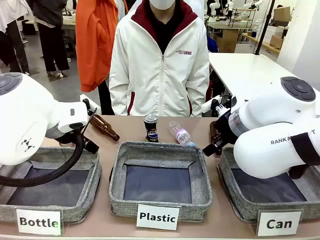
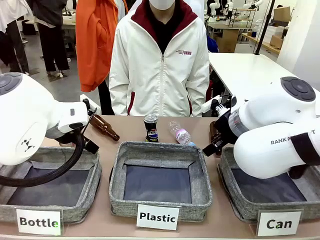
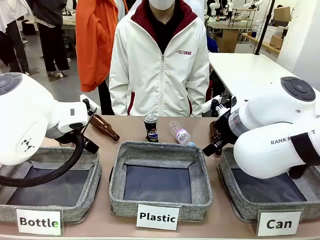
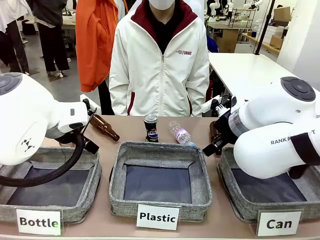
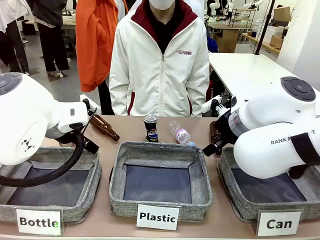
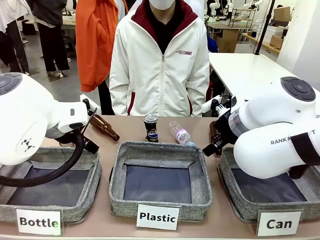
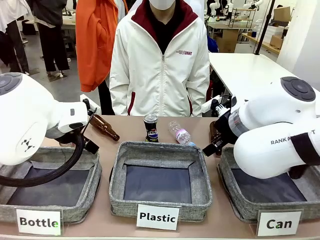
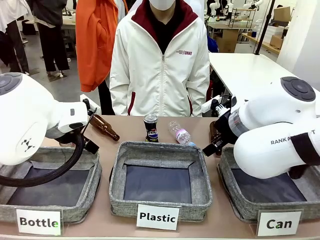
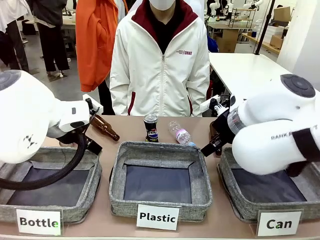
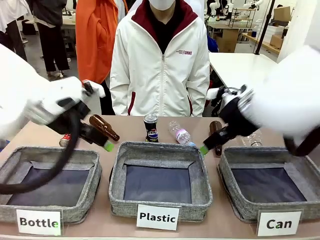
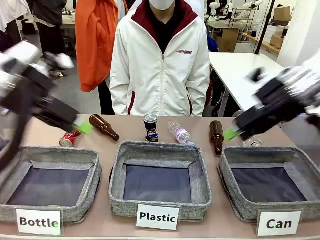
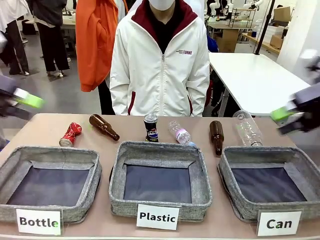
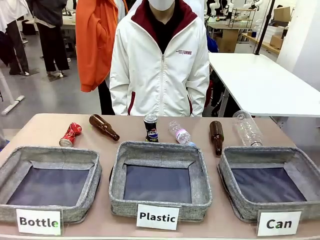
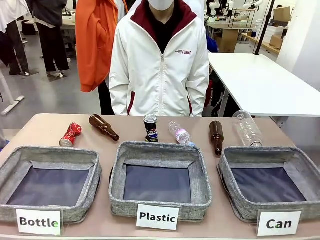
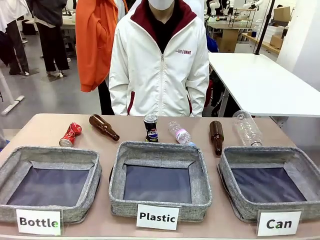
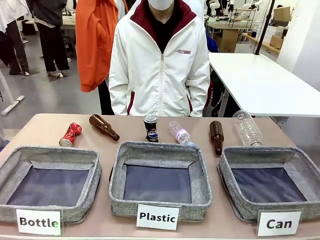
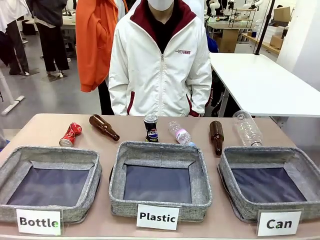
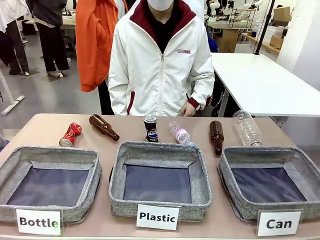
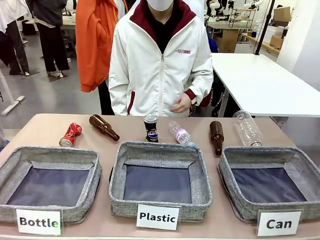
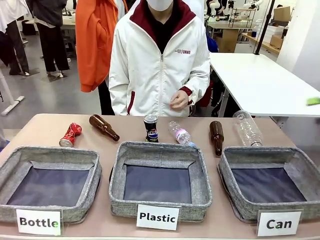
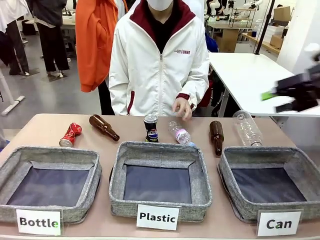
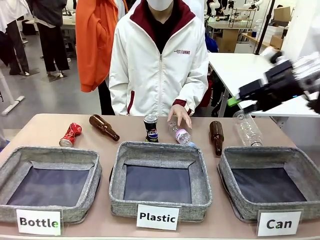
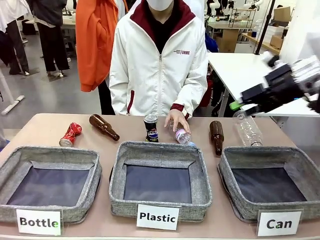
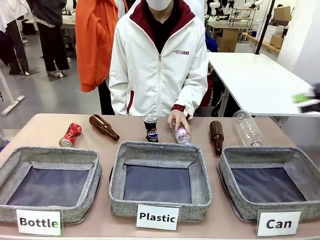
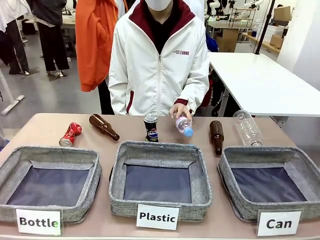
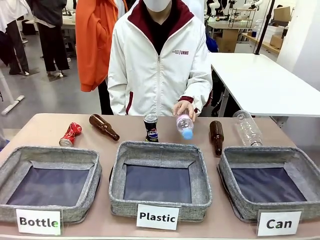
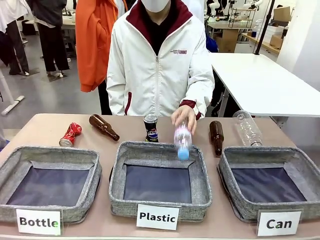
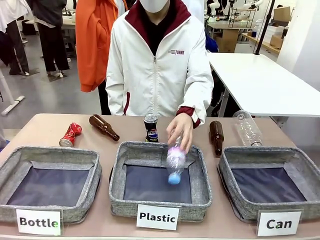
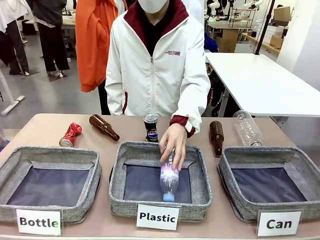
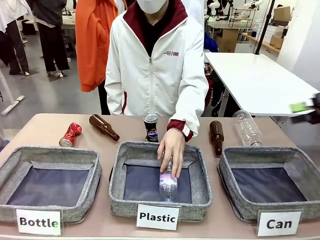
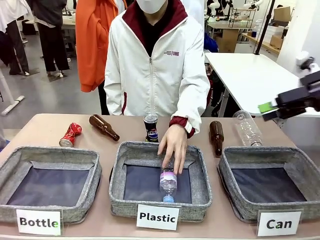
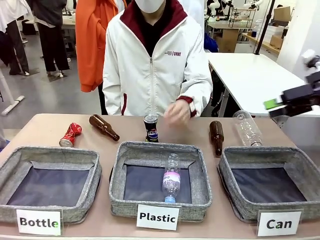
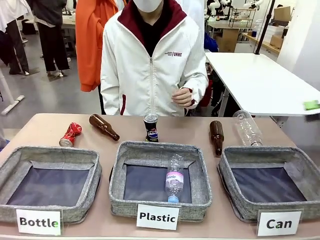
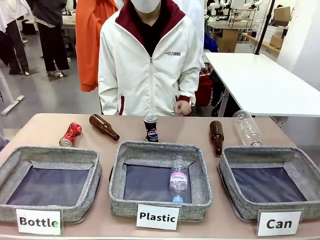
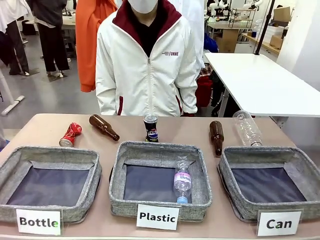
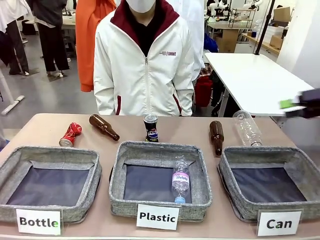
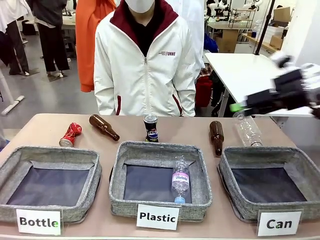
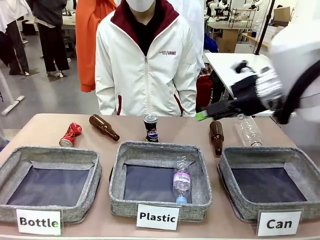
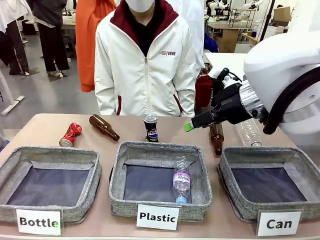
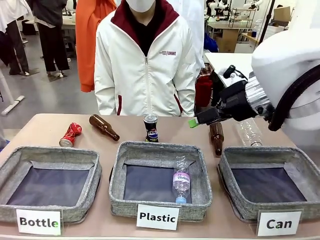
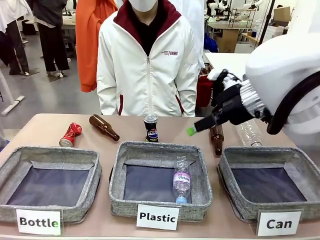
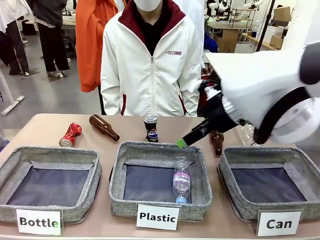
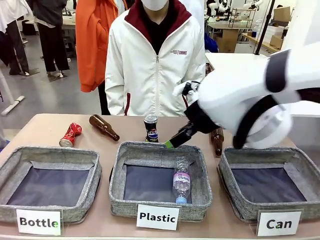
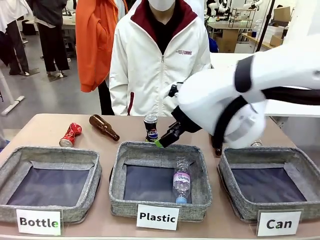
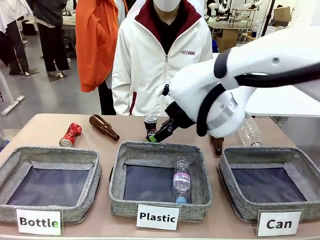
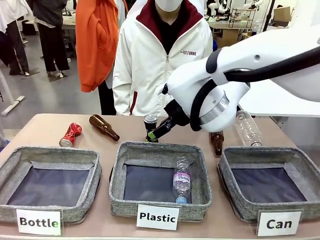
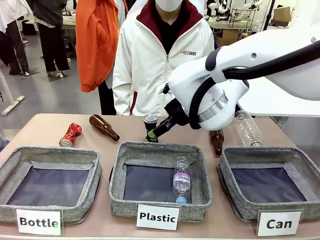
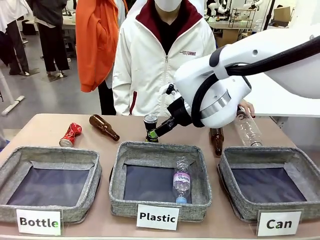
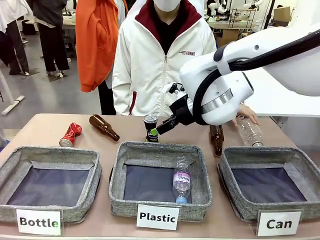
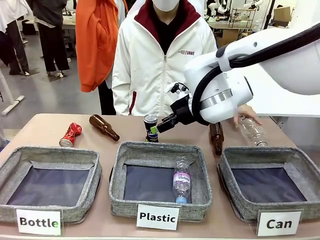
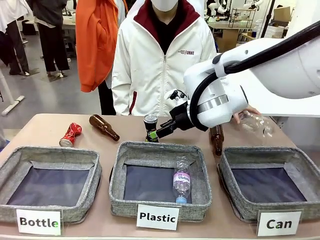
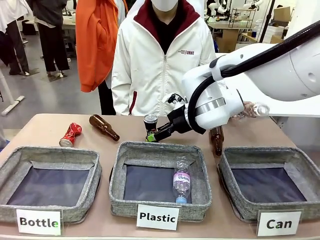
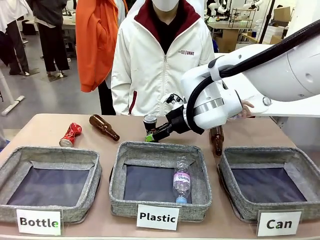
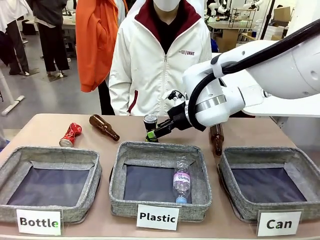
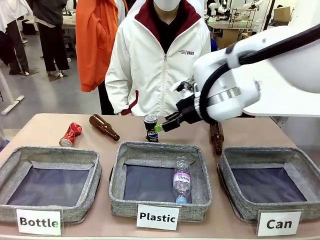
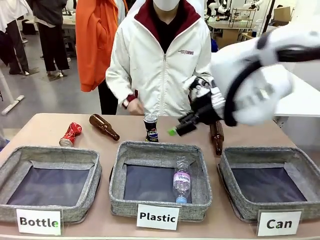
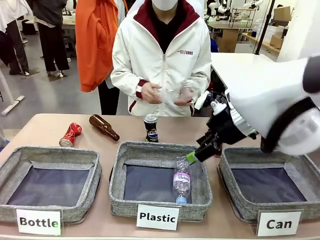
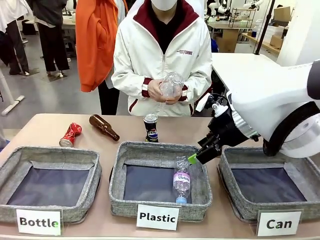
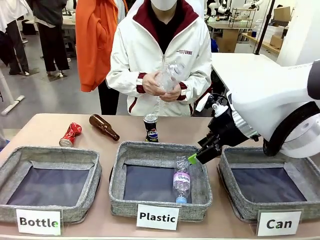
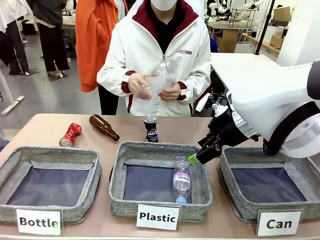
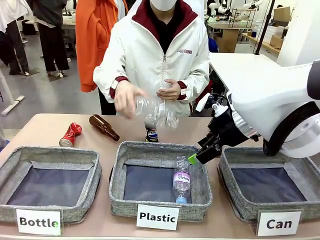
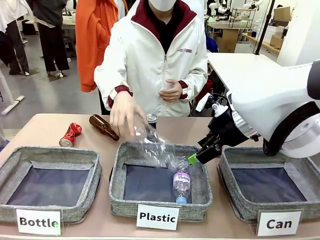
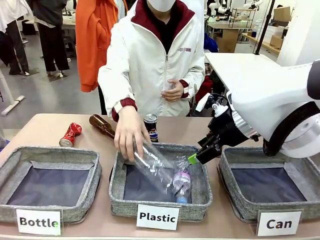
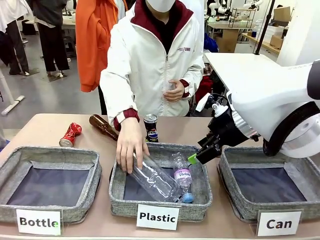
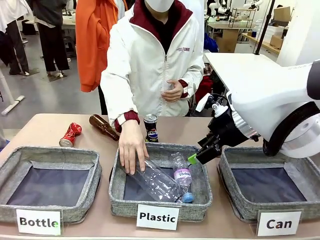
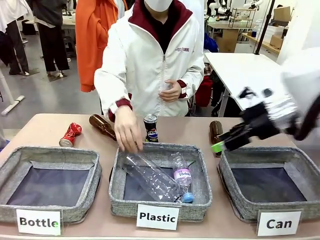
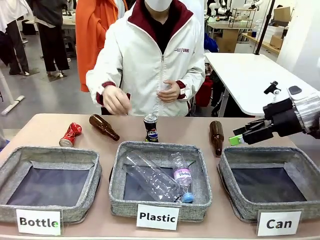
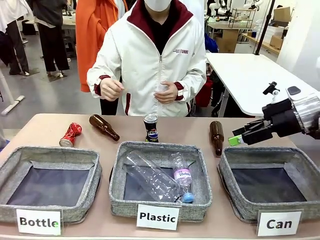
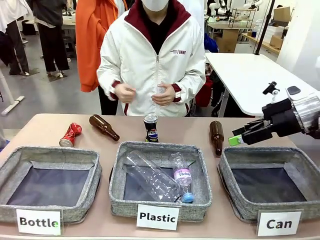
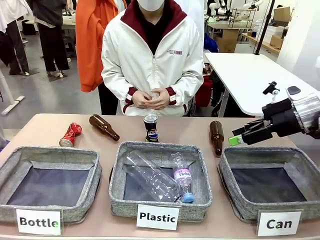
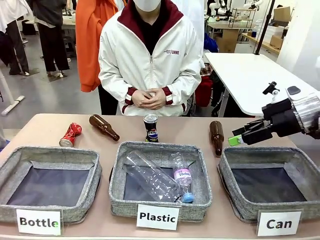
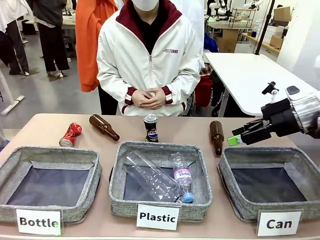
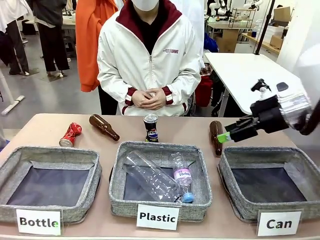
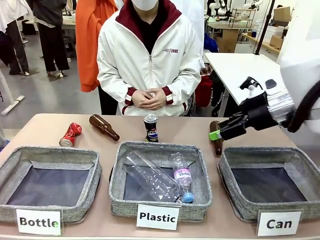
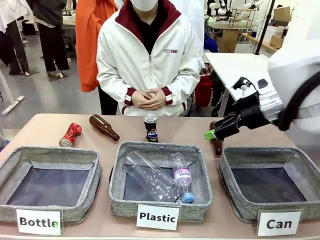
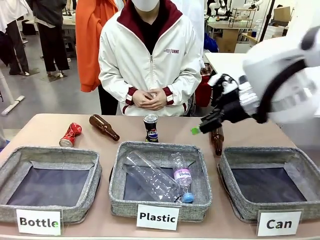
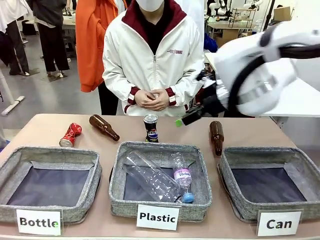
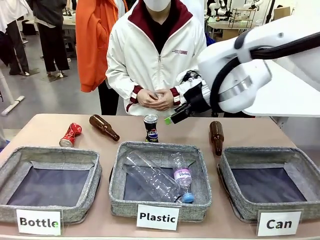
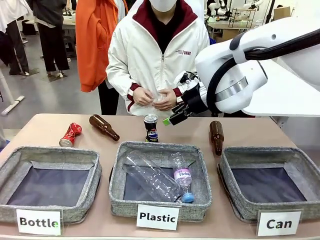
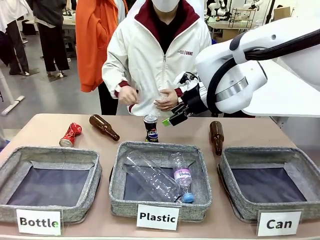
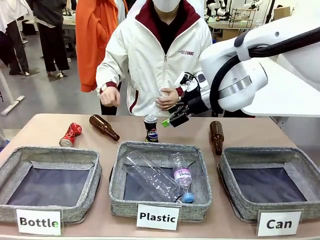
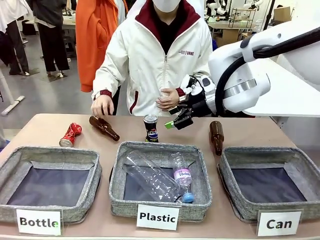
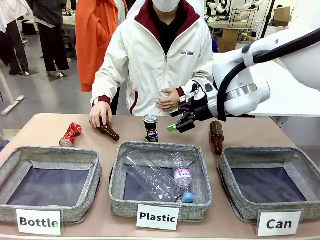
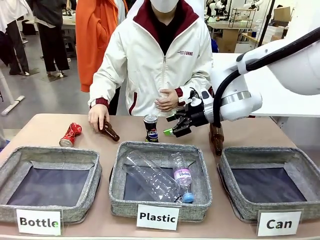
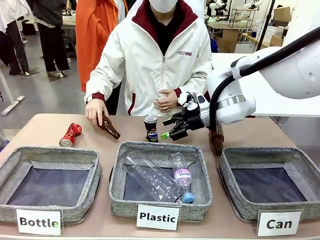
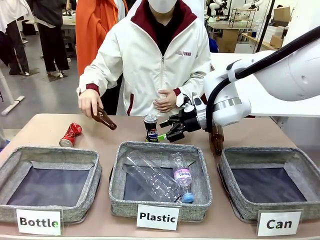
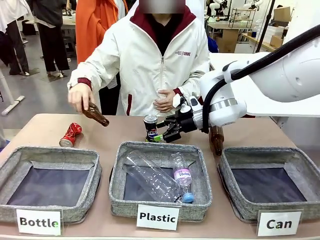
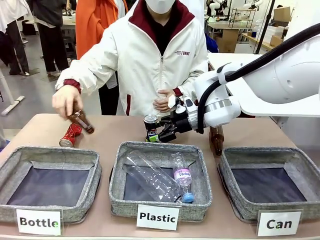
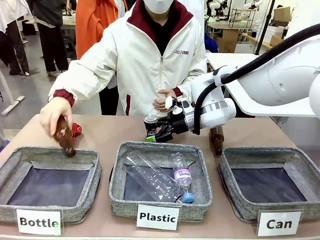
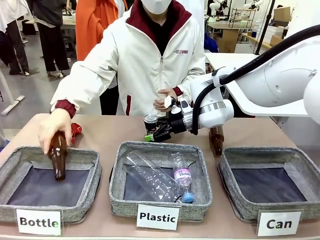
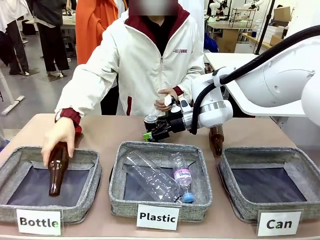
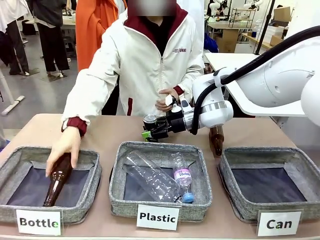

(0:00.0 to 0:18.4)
Task: Sort the can waste into the basket.
Robot: Pick up the can waste from the table and place it in the right Fabric basket.
